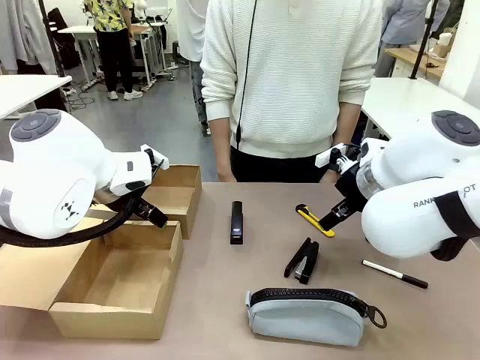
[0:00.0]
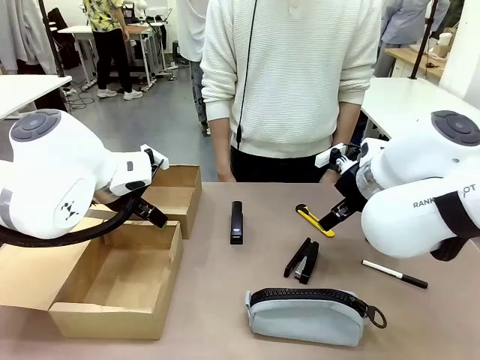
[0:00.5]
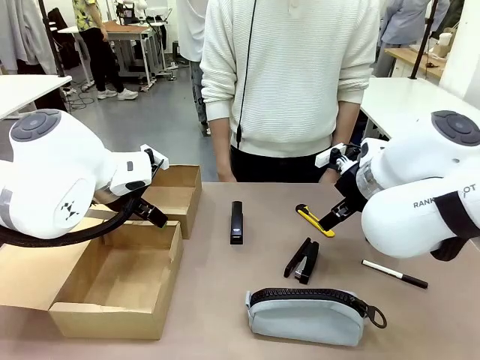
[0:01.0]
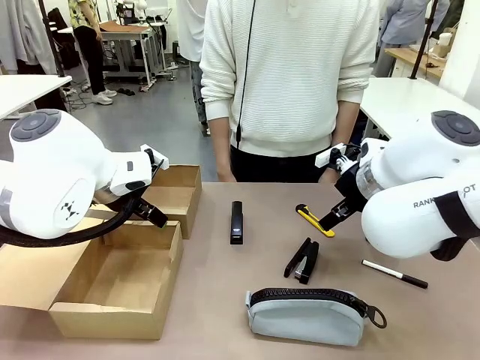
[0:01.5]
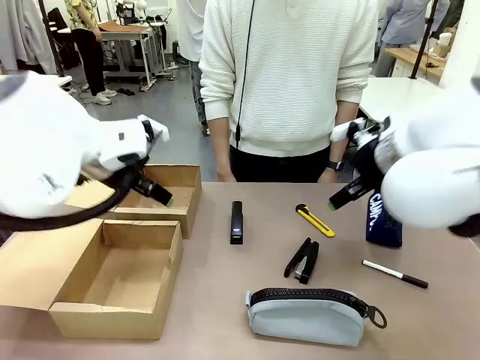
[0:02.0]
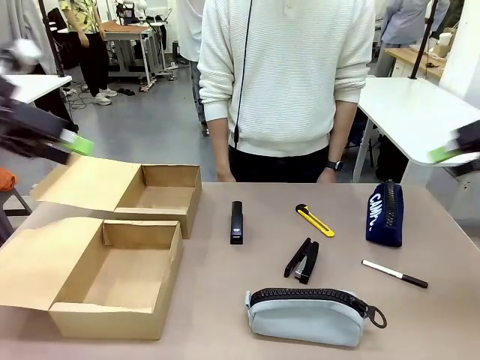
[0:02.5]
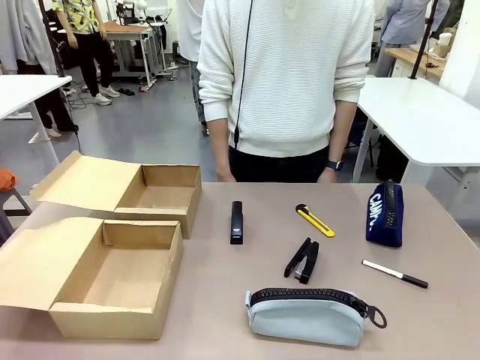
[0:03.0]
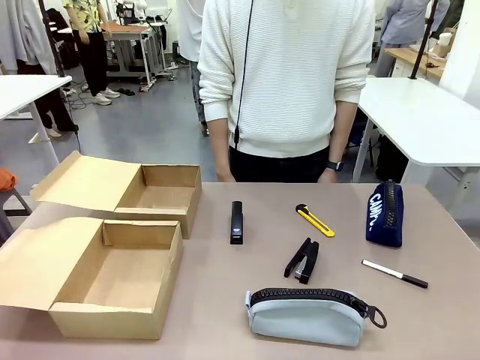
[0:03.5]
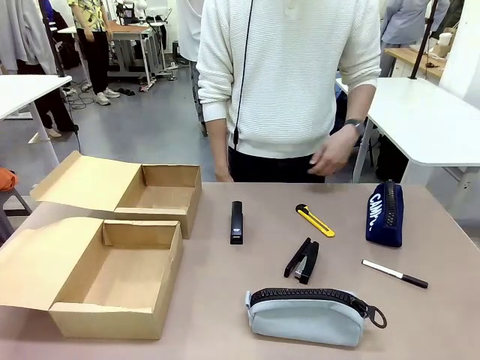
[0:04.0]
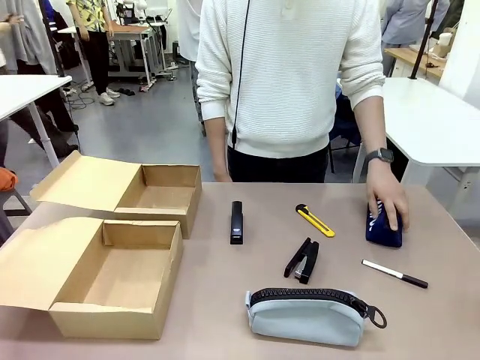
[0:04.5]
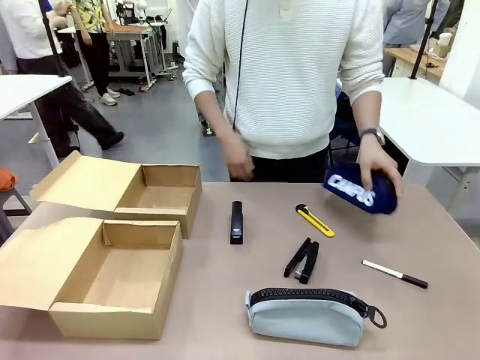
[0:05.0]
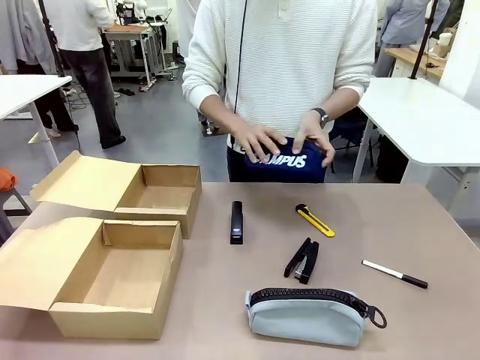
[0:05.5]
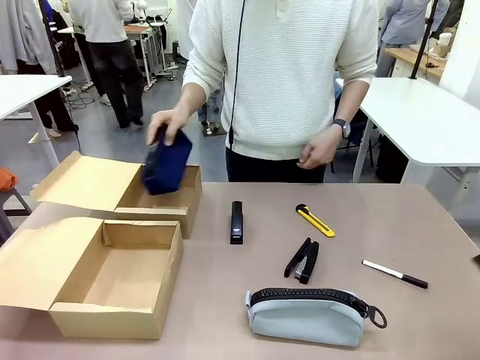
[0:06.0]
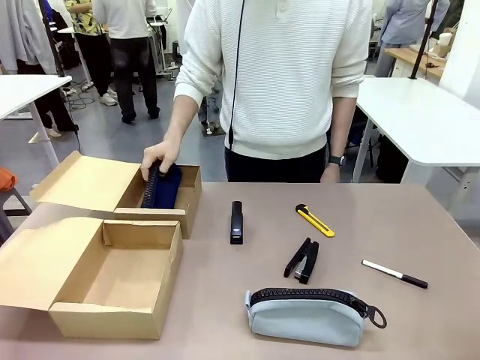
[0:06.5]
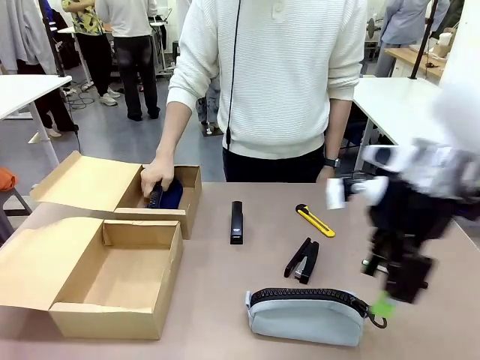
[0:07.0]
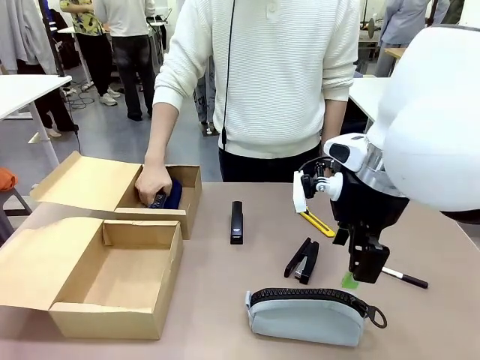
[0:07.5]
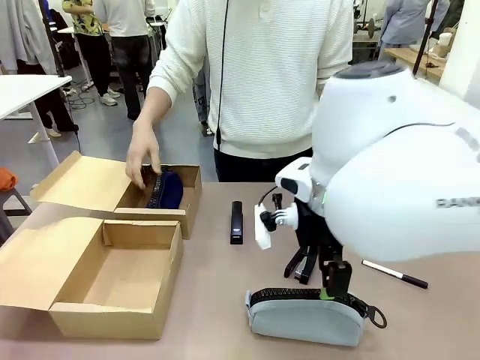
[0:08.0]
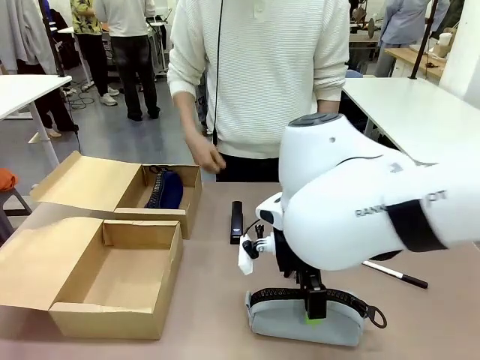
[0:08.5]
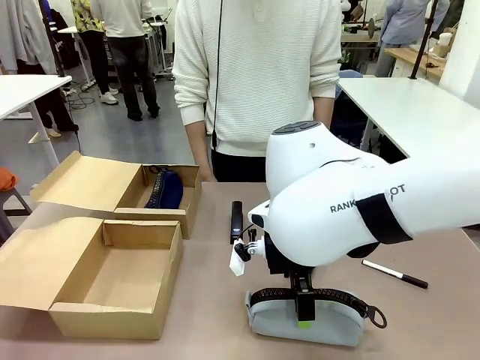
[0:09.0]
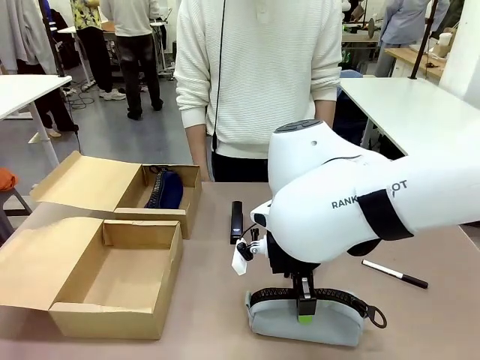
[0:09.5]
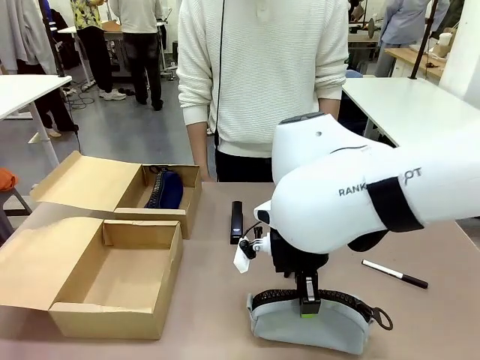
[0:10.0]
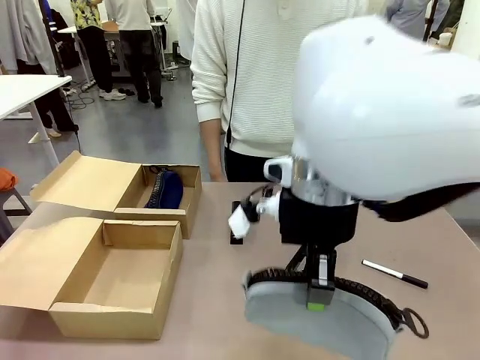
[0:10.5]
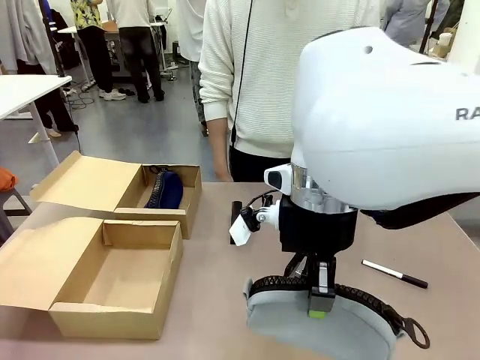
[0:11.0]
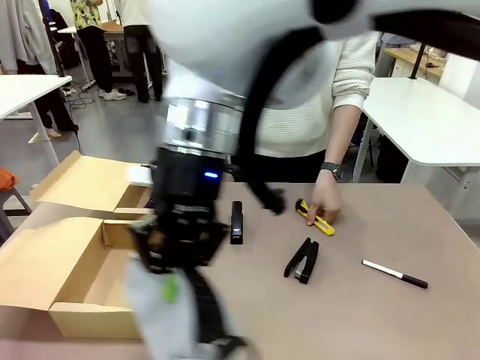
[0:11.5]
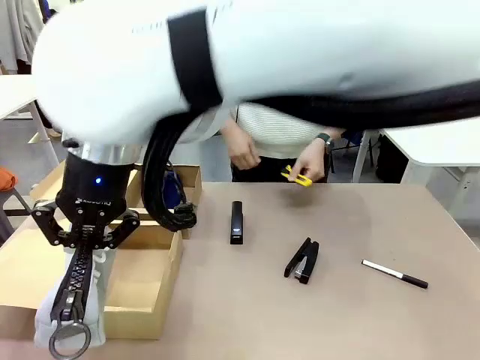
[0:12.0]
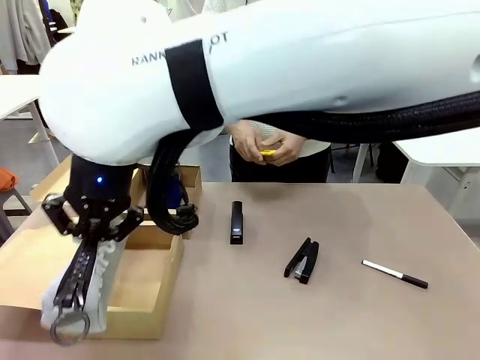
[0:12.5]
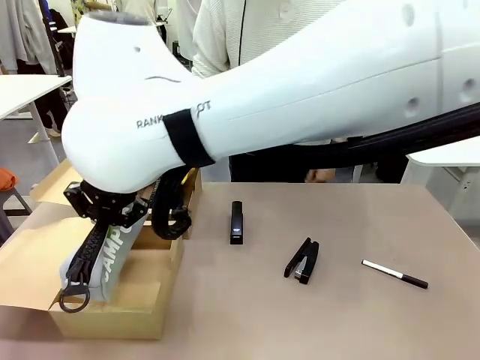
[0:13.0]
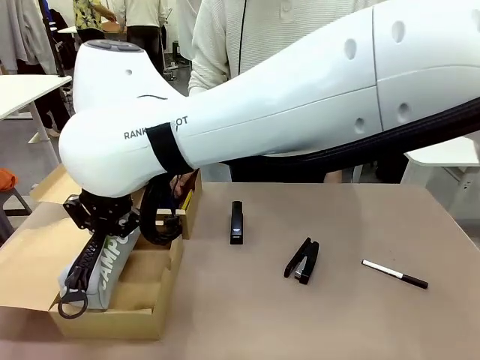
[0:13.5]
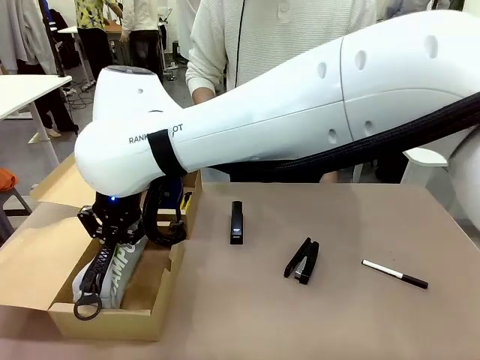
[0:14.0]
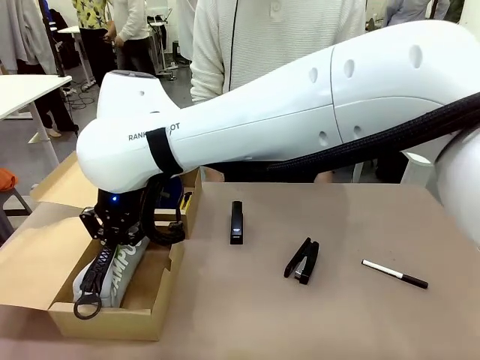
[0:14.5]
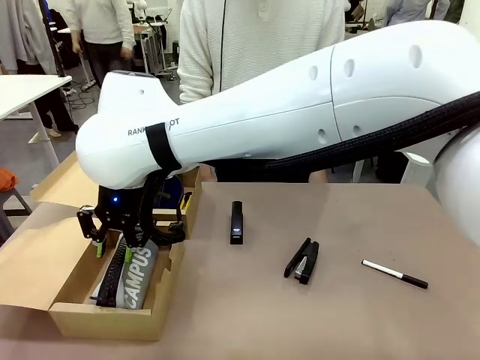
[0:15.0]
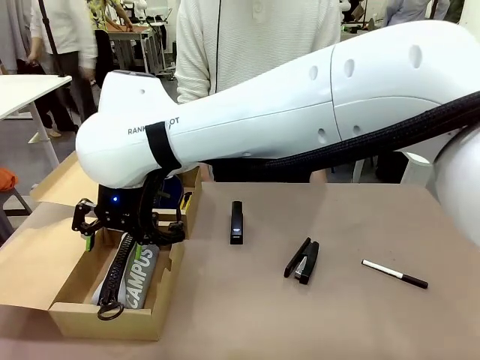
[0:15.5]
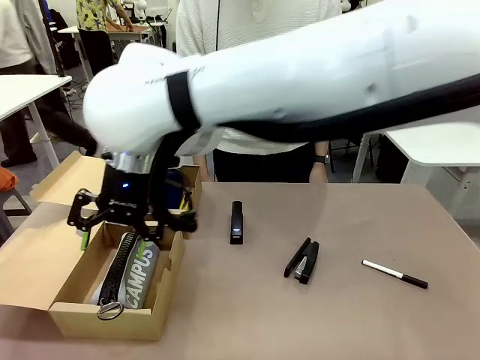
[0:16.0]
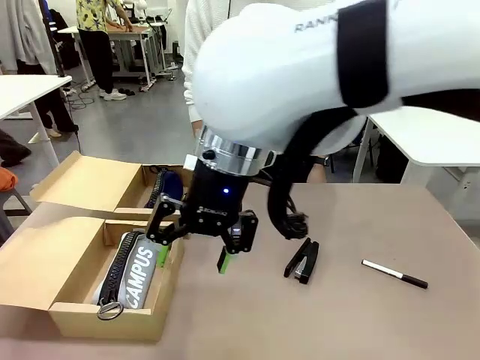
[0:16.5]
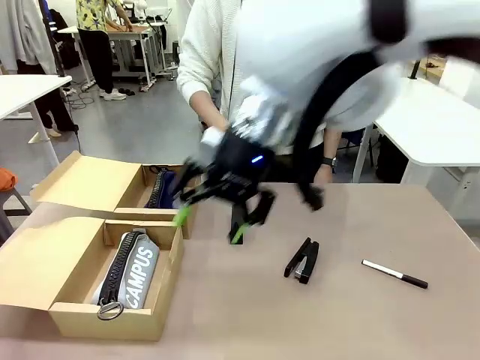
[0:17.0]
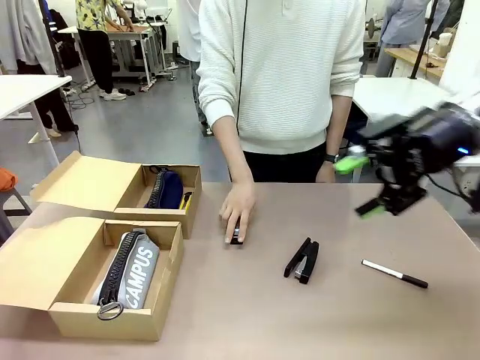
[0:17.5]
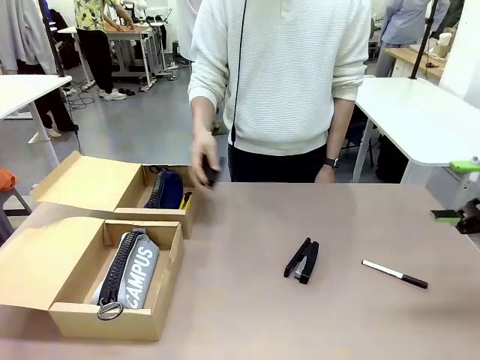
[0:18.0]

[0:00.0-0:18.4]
Task: Place items inside the box.
Robot: Pick up a Pencil pouch or Stapler and place it inside the Mailer Box closest to the robot.
Person: Pick up an object on the table and put it in the box.
